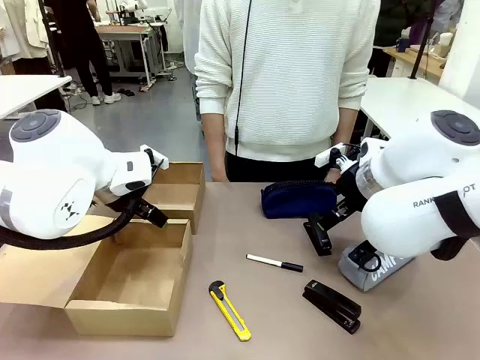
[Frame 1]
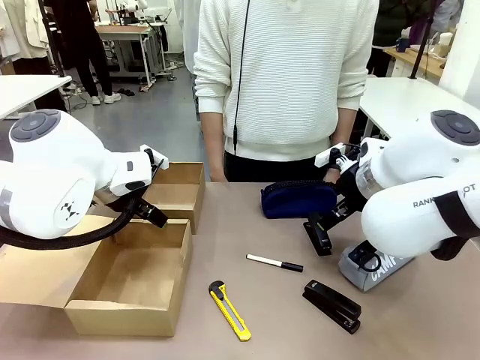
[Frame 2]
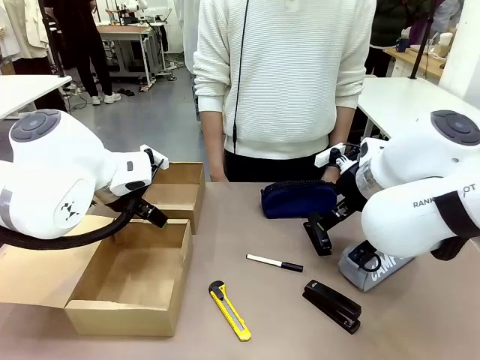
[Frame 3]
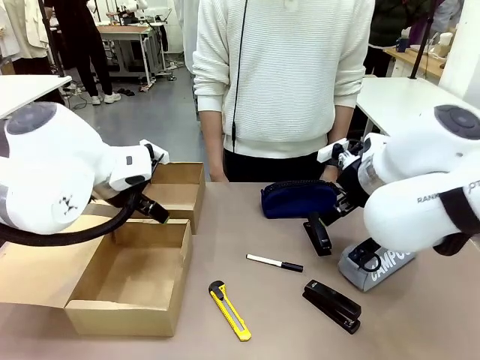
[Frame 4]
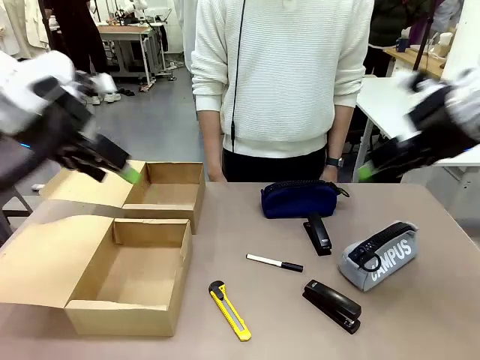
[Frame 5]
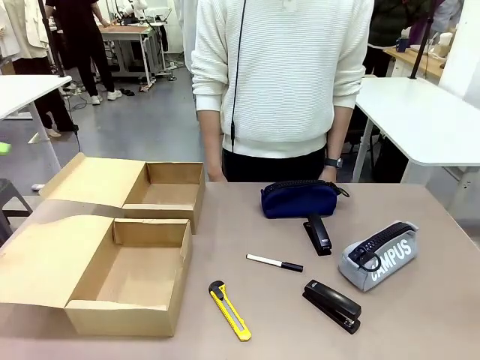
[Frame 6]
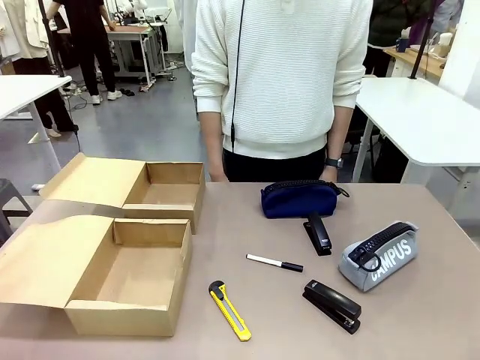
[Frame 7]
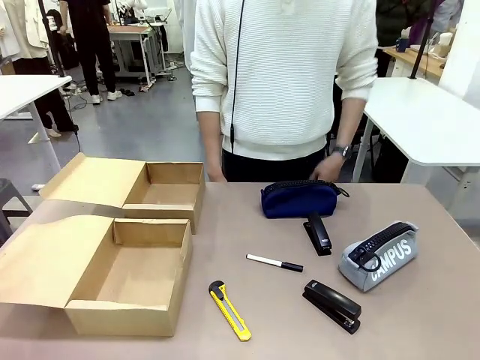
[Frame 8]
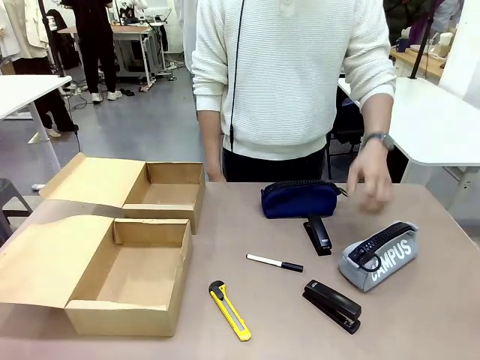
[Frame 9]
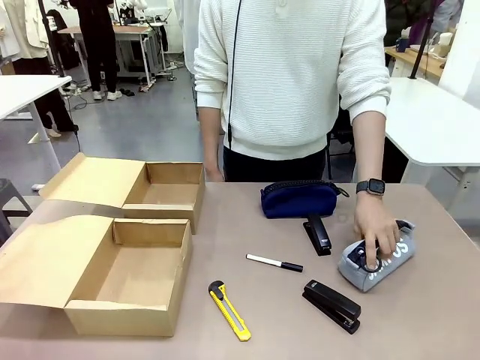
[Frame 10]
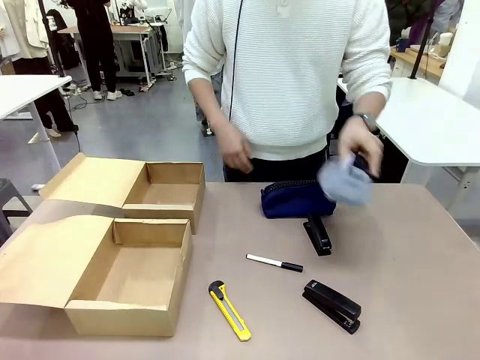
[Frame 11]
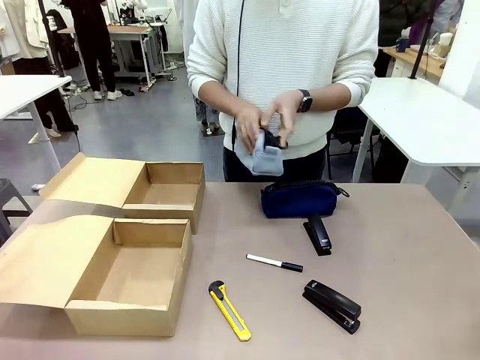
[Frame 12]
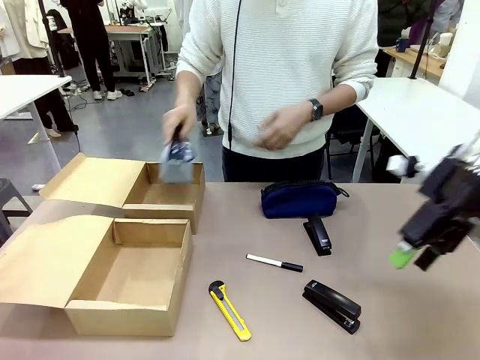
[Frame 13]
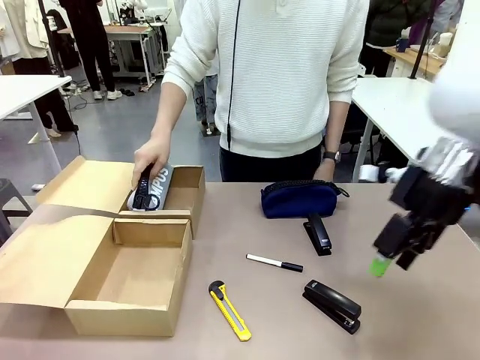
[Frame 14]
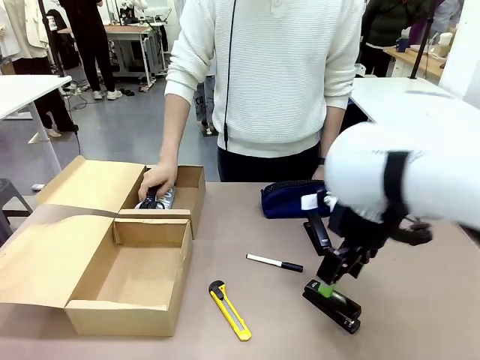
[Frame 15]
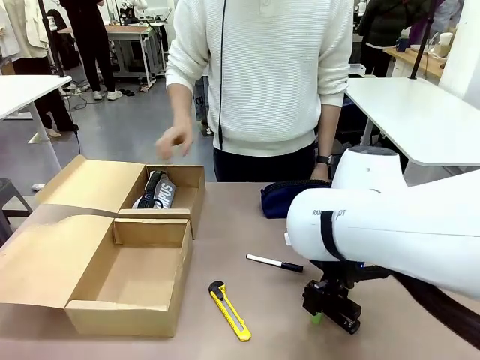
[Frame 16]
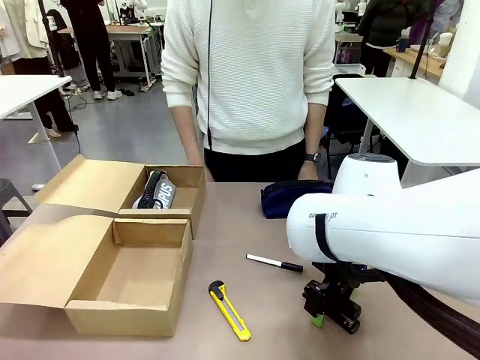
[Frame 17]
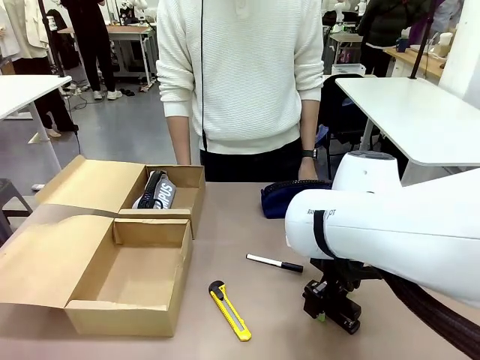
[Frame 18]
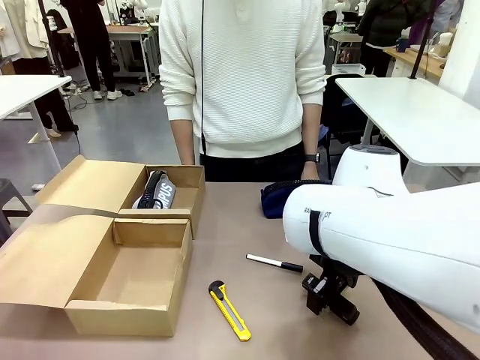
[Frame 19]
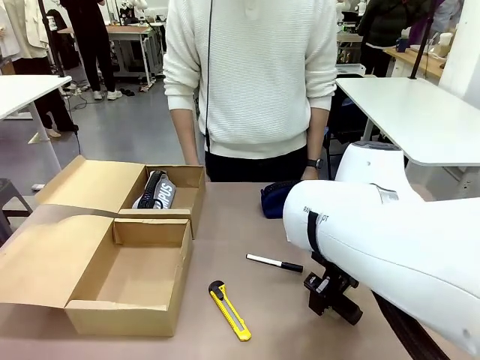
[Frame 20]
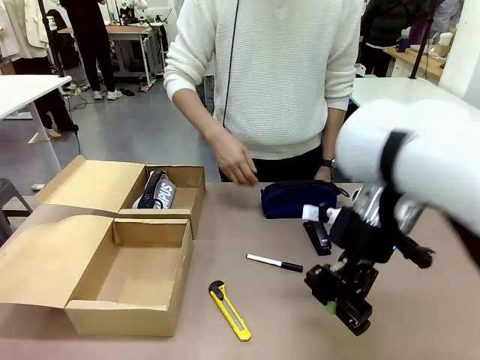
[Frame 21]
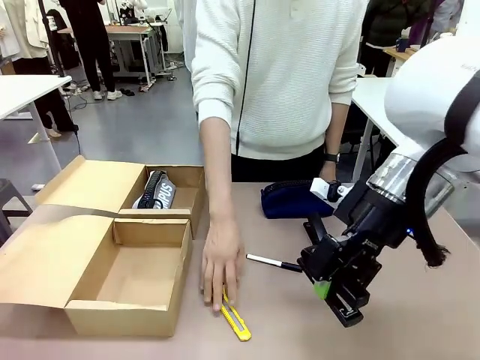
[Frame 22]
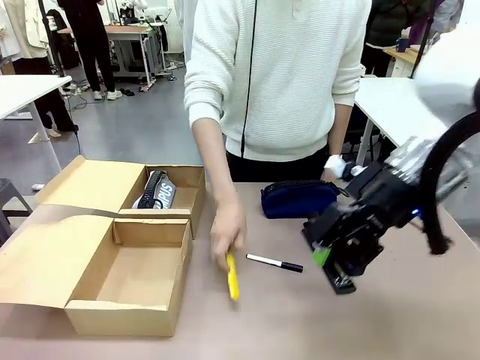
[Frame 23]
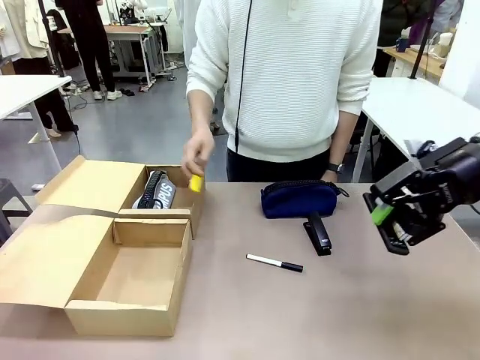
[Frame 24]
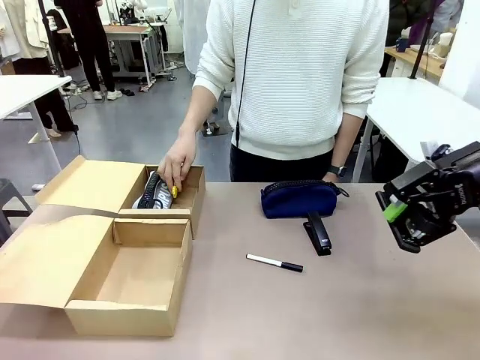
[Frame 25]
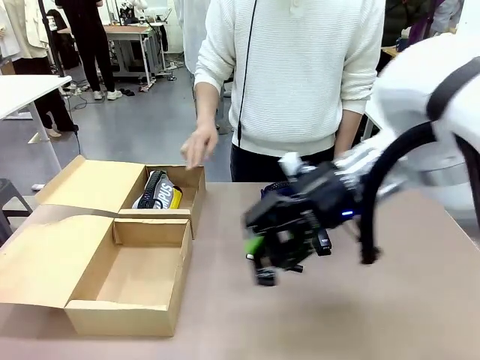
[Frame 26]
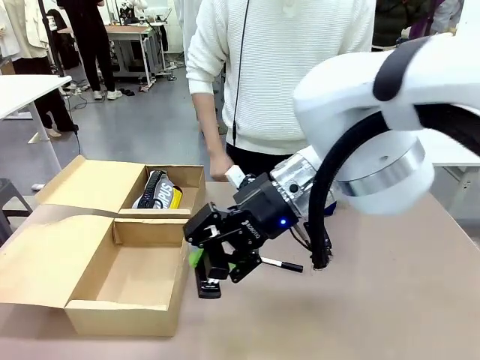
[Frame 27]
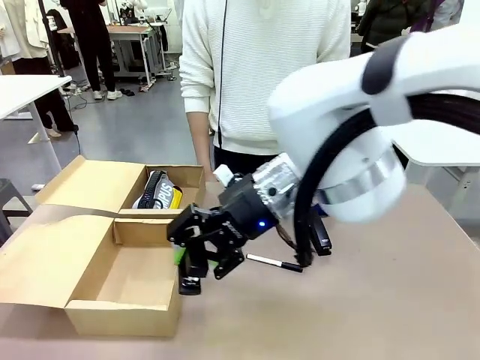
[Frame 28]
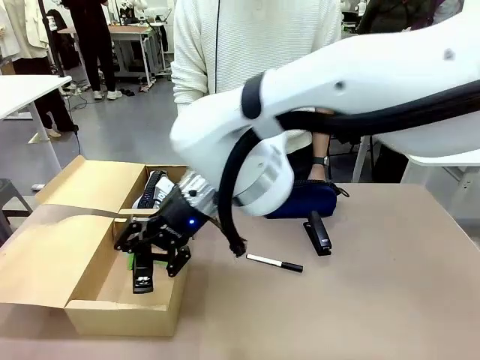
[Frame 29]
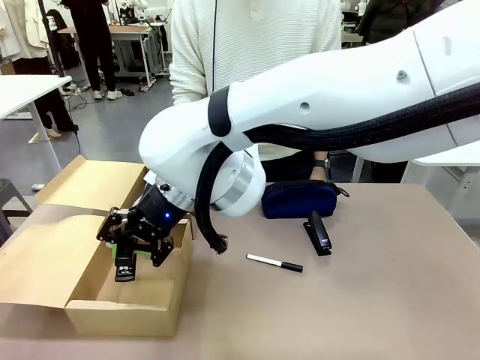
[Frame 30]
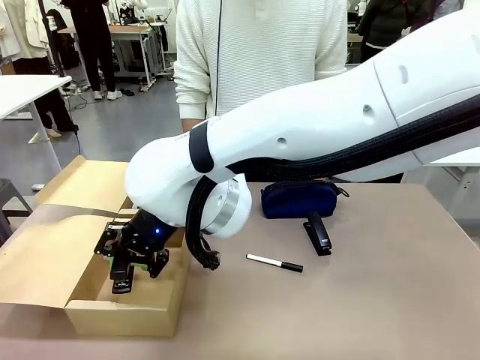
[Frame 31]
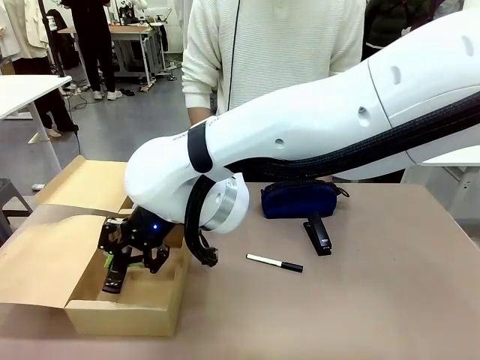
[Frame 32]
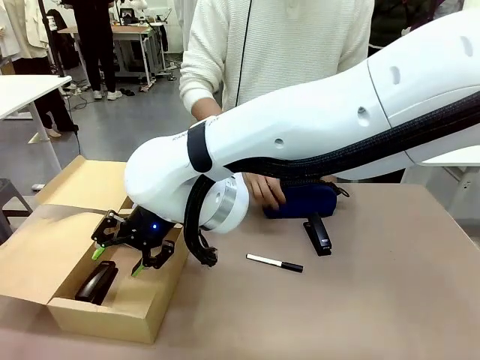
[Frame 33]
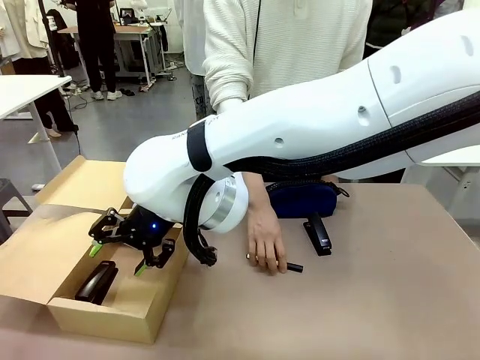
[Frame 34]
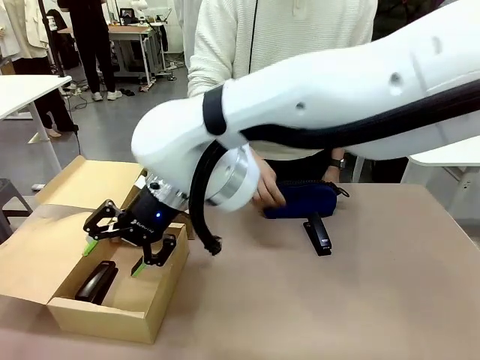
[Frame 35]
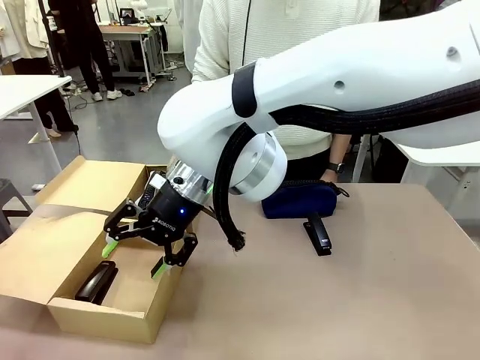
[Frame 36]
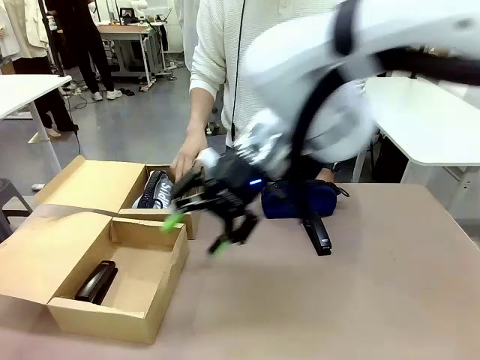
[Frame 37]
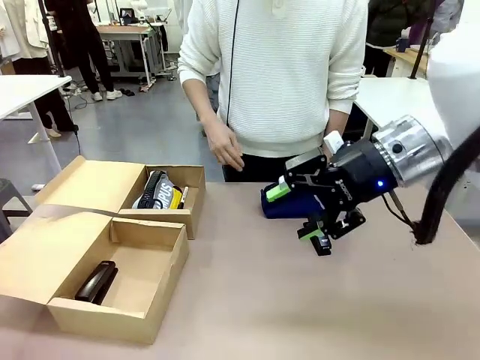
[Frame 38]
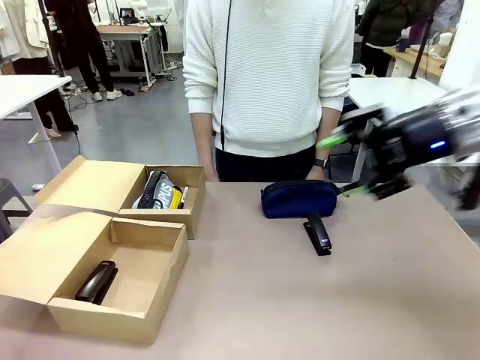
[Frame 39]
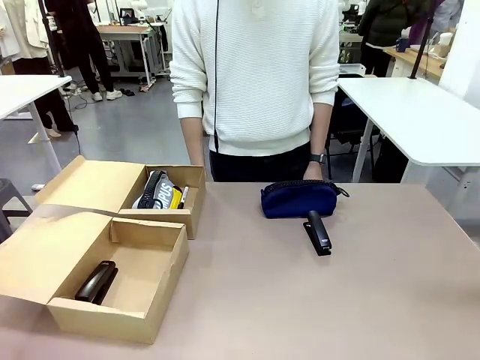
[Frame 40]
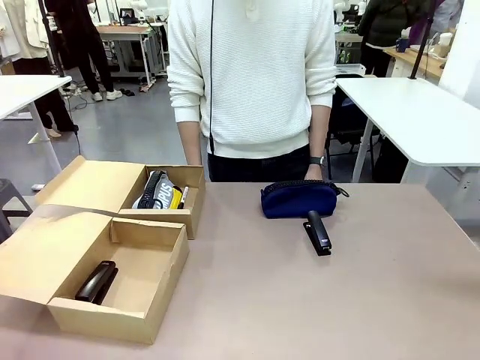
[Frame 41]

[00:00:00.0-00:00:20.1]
Task: Place items inside the box.
Robot: Pick up a Pencil pouch or Stapler and place it inside the Mailer Box closest to the robot.
Person: Pick up an object on the table and put it in the box.
